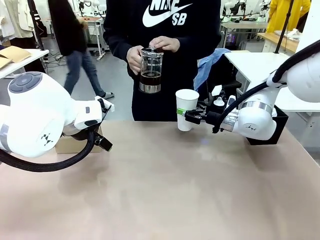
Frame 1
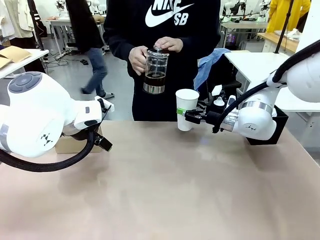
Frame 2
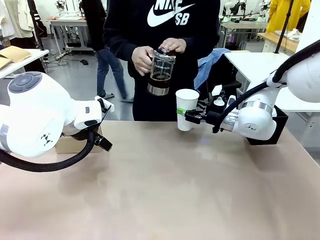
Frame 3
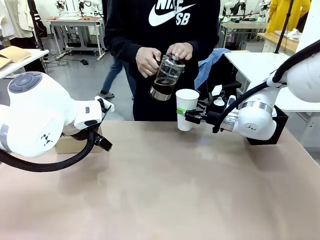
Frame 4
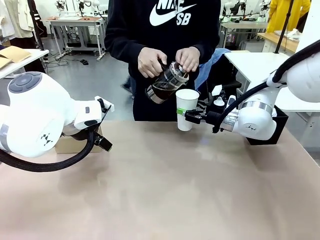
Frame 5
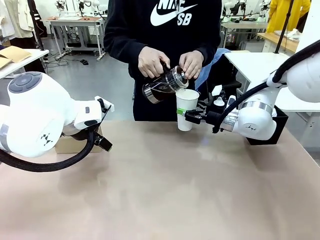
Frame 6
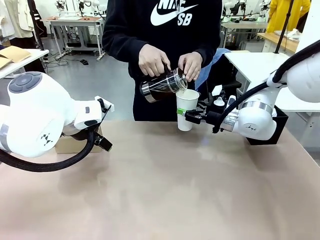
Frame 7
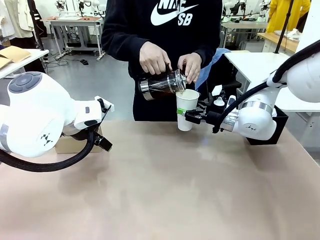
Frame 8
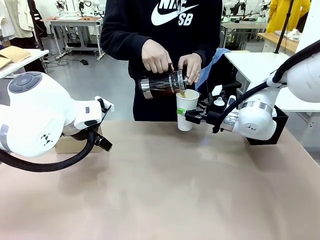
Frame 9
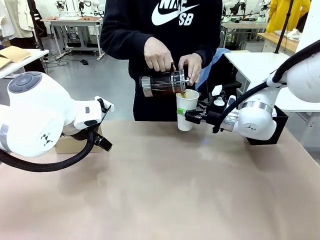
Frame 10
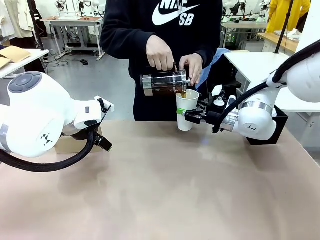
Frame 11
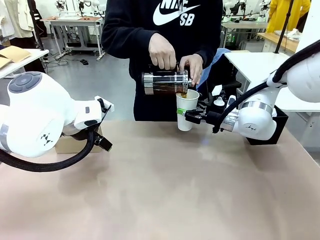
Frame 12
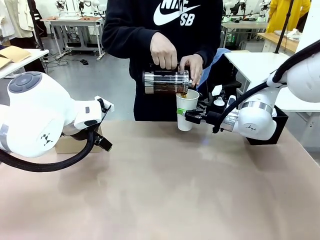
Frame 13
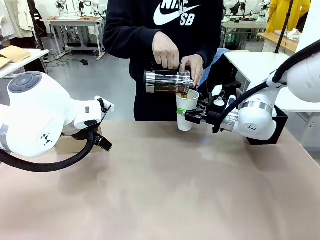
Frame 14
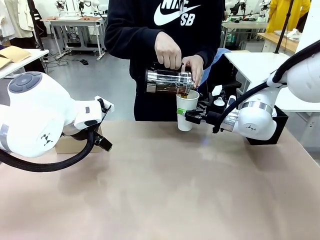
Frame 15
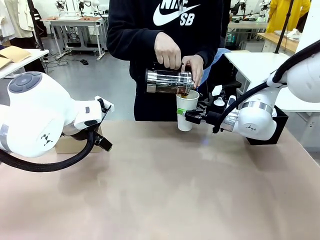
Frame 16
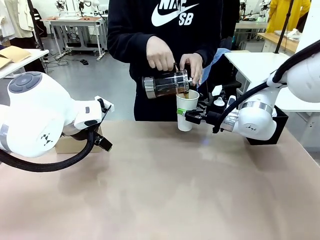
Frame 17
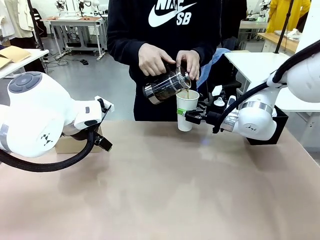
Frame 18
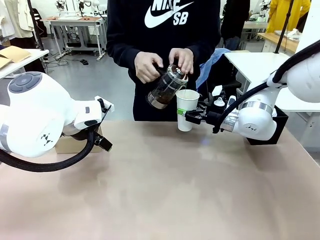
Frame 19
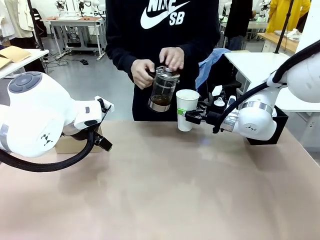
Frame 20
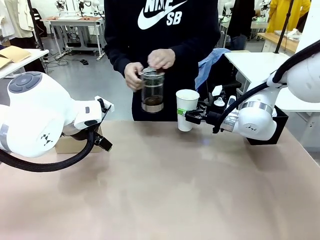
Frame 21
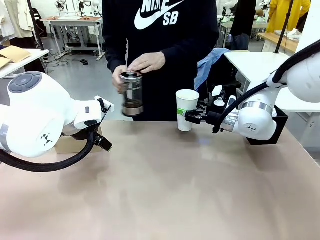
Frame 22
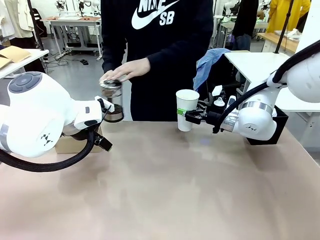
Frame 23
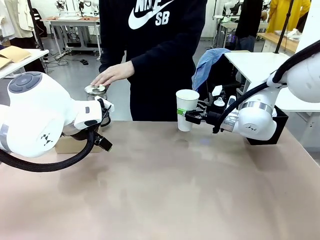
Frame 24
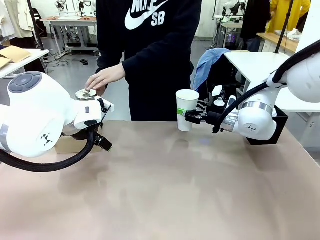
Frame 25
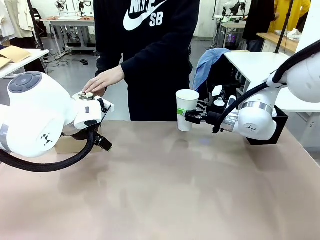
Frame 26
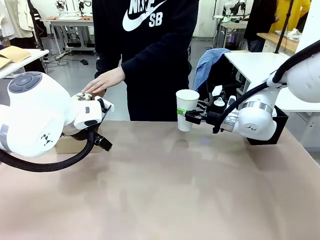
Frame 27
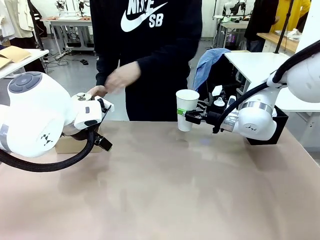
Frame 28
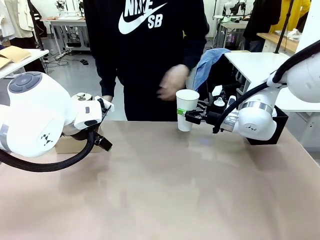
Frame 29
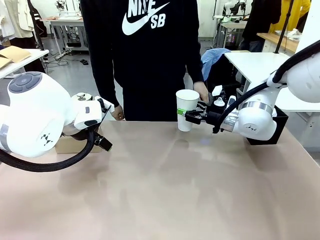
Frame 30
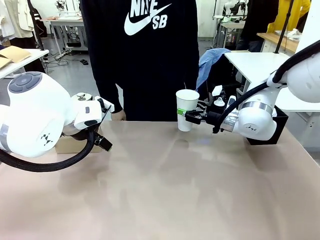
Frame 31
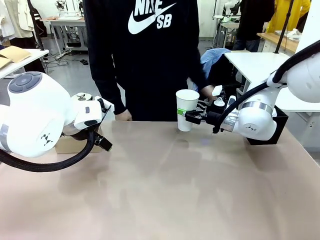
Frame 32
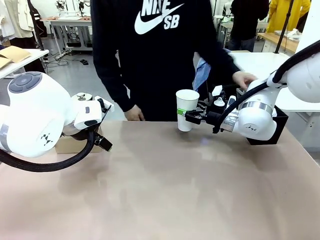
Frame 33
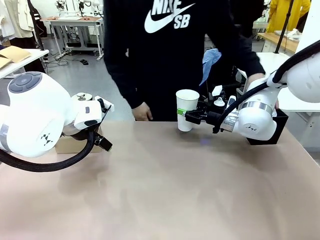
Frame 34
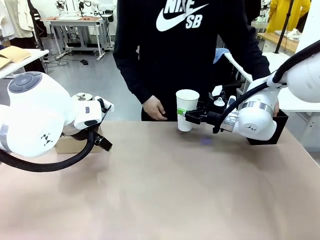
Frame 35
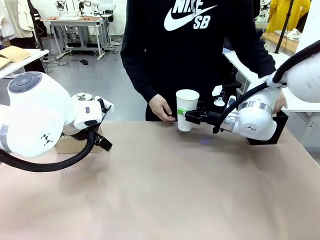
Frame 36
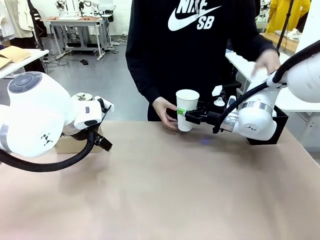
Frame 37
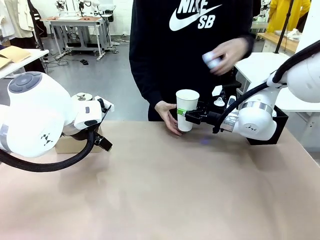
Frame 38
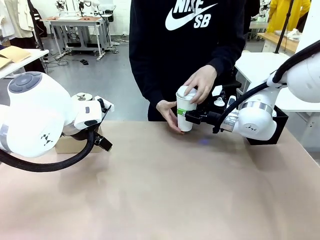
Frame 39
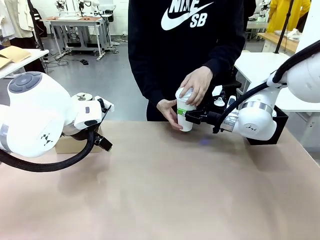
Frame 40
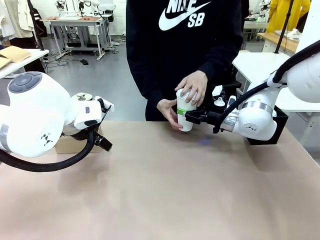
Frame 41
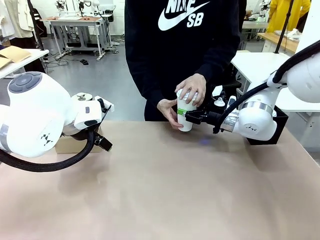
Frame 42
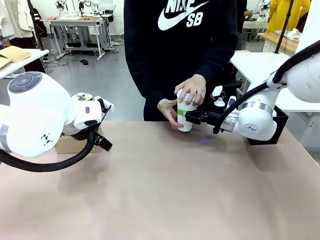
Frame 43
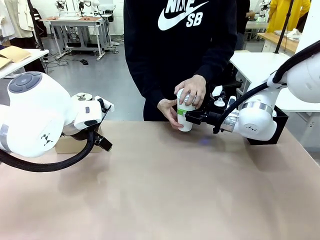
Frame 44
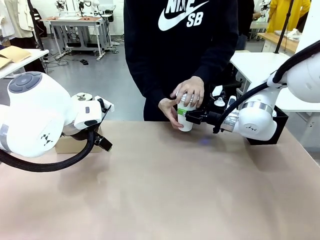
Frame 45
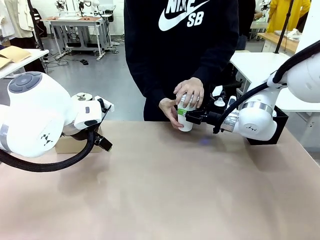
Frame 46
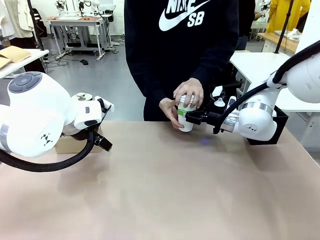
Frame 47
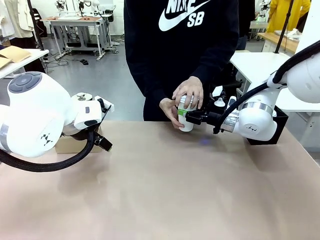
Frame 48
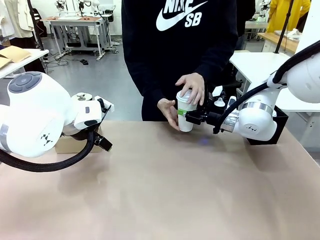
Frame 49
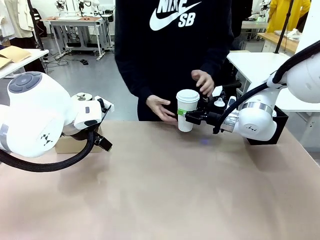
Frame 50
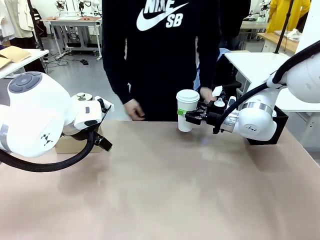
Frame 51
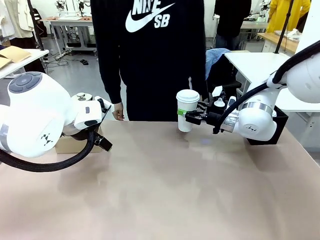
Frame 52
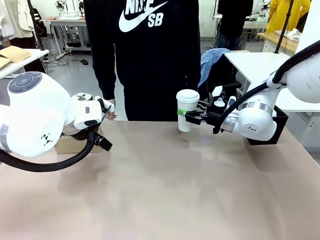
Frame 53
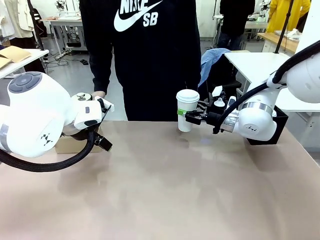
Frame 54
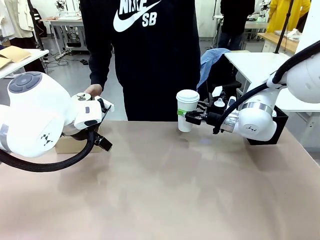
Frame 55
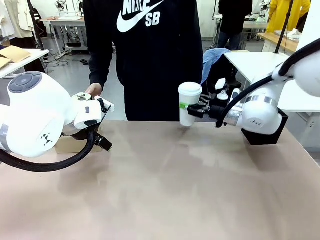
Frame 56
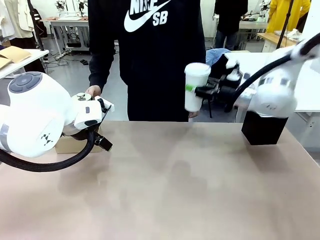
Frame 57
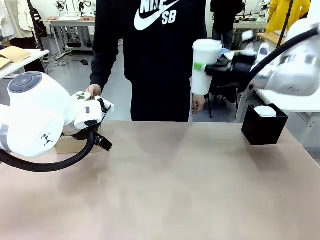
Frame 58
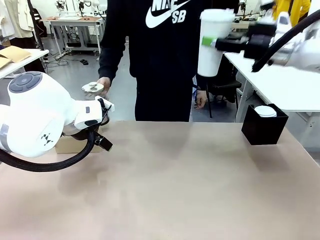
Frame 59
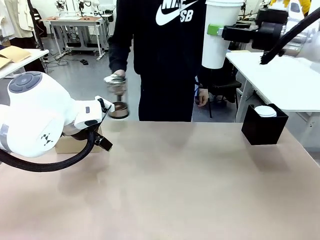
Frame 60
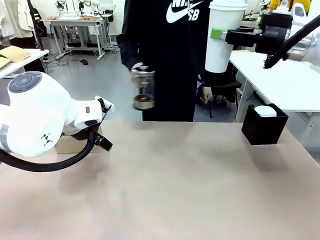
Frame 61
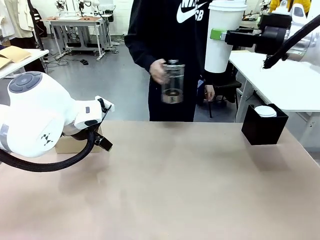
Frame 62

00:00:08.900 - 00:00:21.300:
Task: Pour a drink into a cup and package it in a carrier.
Robot: When a person places the Paper Cup Lid on the 600 ml Paper Cup , lift the 600 ml Paper Cup.
Person: Pour the drink from the Filter Brewing into the 600 ml Paper Cup. Place a Paper Cup Lid on the 600 ml Paper Cup.

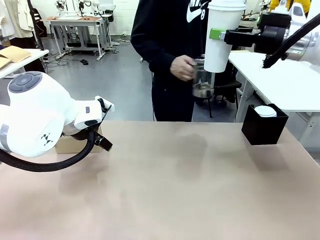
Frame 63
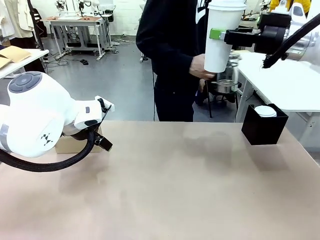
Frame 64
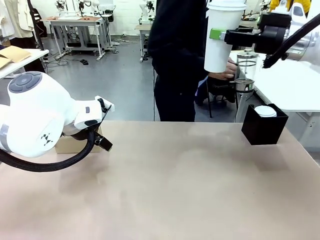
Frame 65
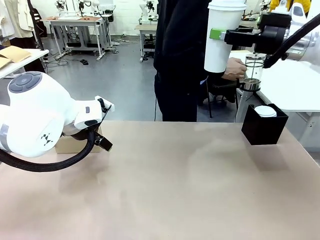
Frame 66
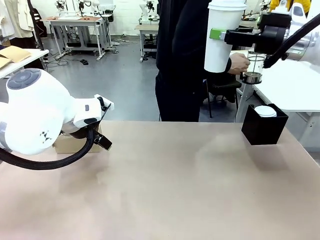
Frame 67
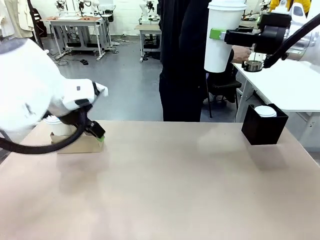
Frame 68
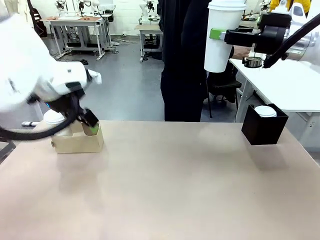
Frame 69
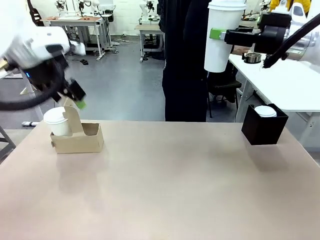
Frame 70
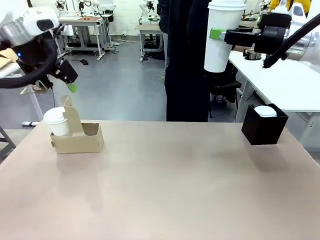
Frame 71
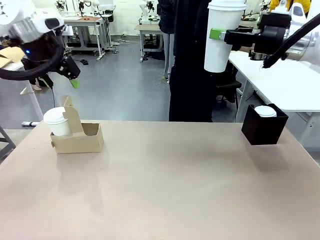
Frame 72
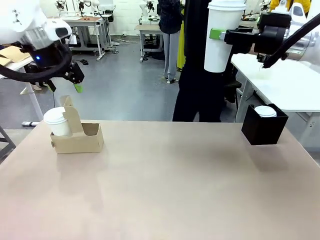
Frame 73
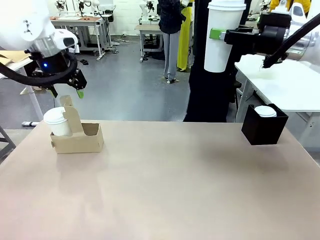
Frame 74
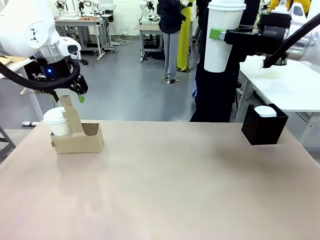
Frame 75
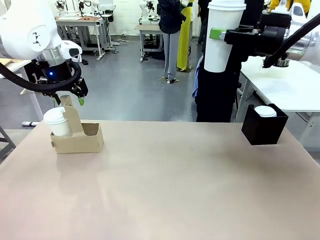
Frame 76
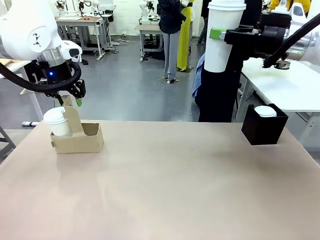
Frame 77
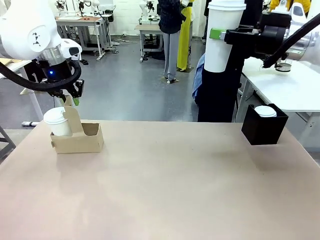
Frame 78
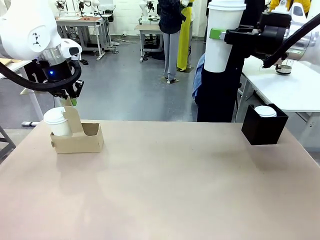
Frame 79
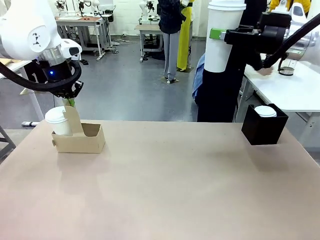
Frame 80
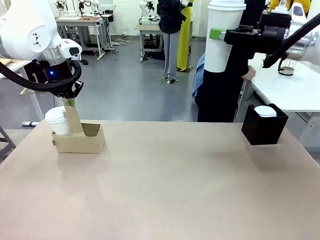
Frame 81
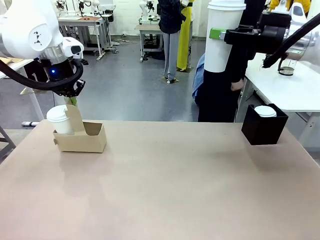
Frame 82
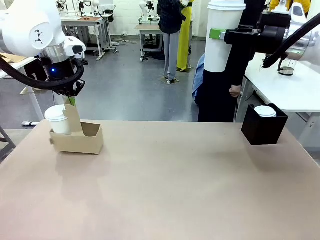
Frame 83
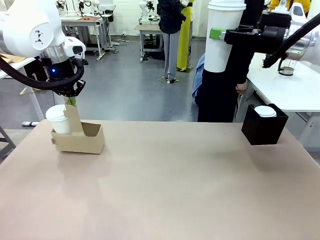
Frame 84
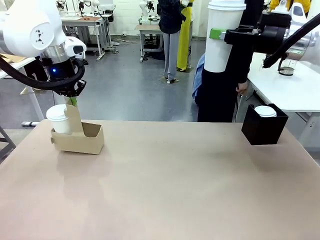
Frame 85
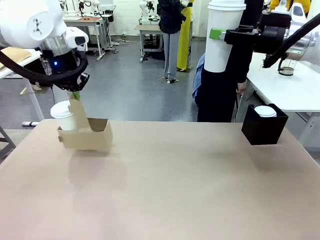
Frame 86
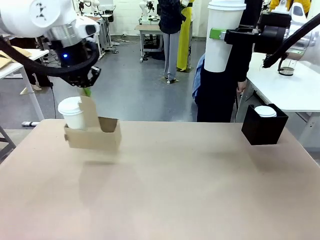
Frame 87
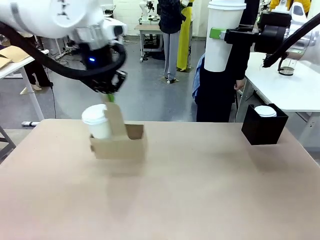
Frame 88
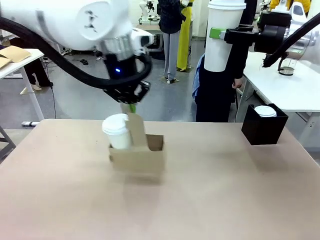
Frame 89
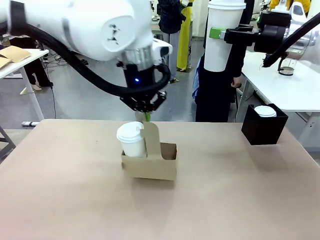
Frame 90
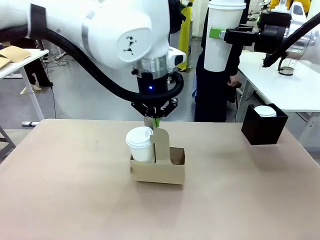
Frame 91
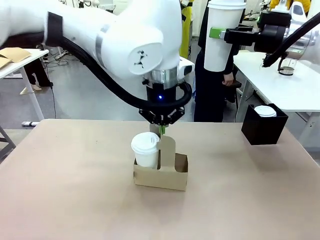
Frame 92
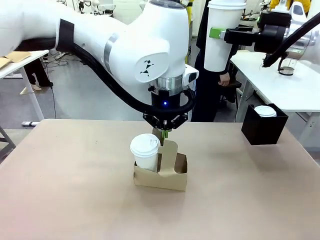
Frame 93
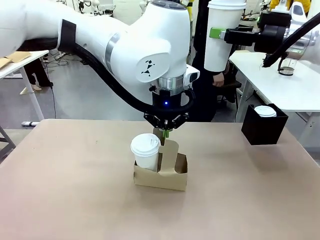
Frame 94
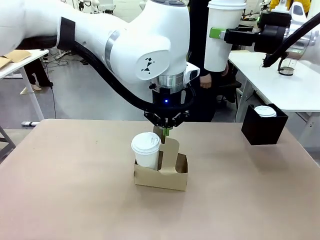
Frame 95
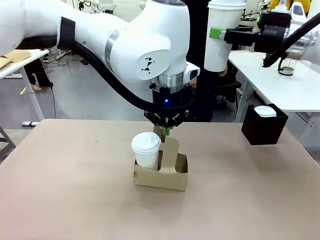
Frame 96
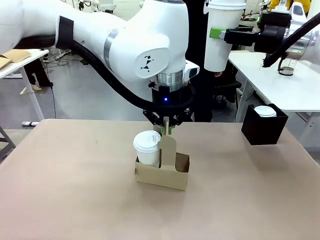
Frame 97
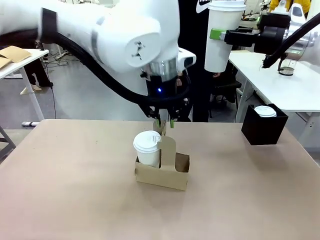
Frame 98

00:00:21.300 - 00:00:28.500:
Robot: Position the Cup Carrier in the center of the table.
Person: Pick up the Filter Brewing and place on the middle of Human table, and return to the Robot table.
